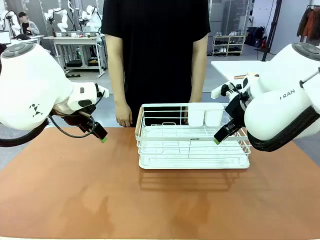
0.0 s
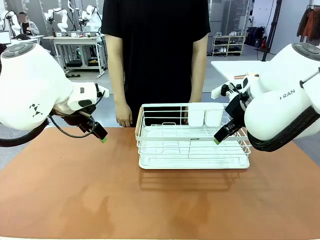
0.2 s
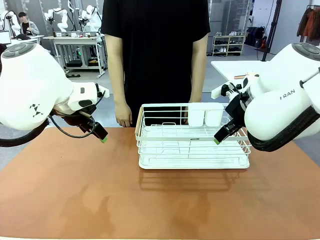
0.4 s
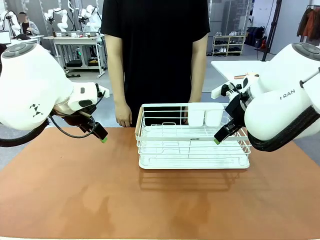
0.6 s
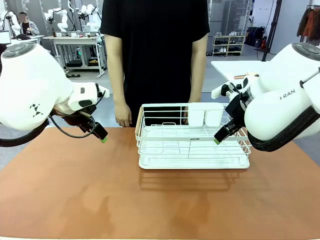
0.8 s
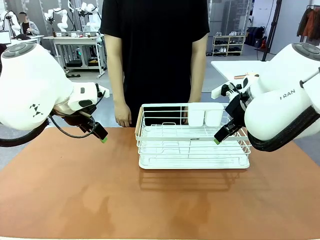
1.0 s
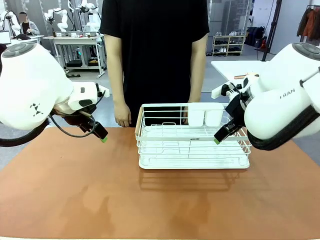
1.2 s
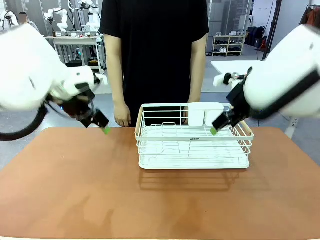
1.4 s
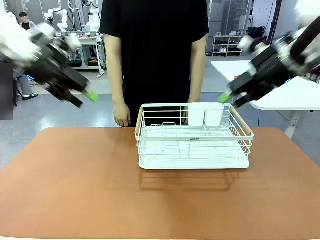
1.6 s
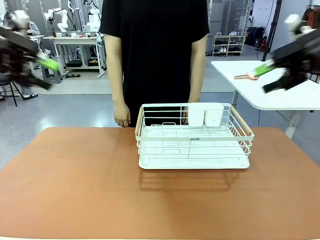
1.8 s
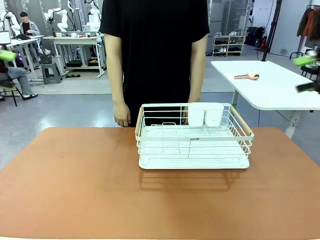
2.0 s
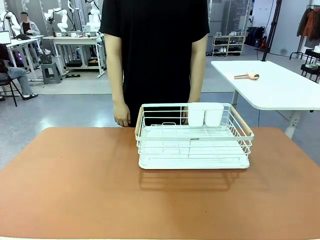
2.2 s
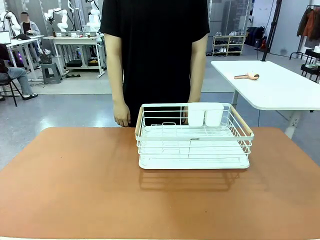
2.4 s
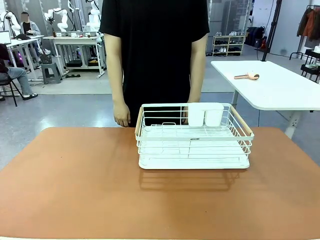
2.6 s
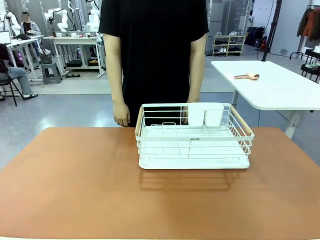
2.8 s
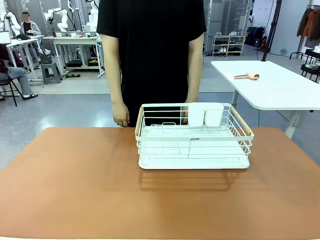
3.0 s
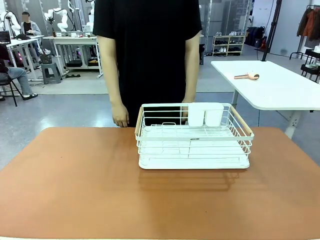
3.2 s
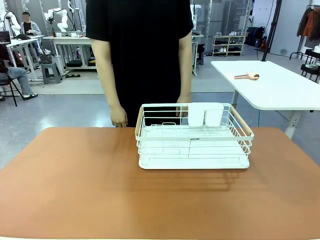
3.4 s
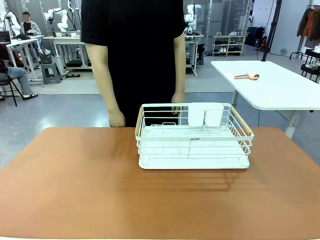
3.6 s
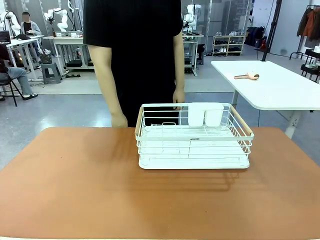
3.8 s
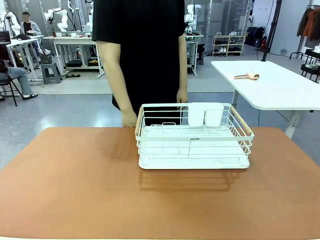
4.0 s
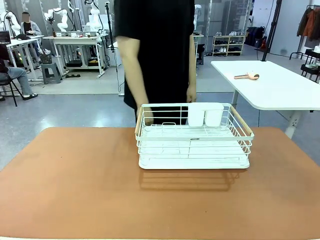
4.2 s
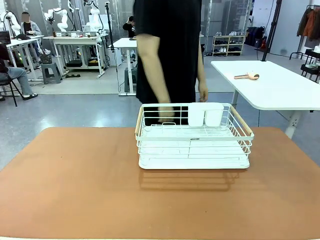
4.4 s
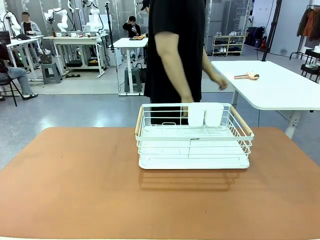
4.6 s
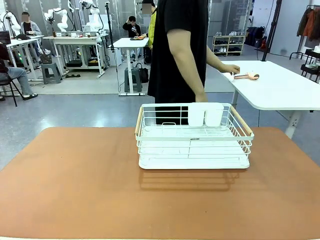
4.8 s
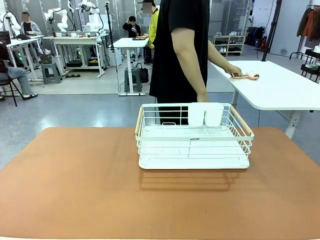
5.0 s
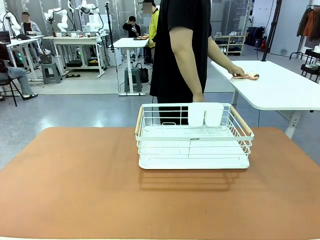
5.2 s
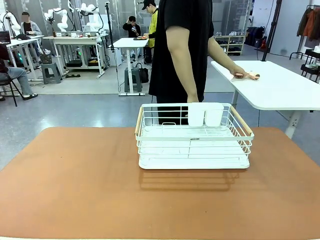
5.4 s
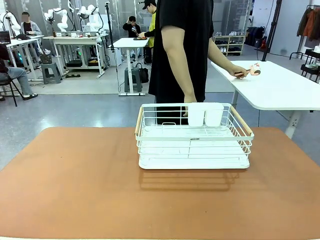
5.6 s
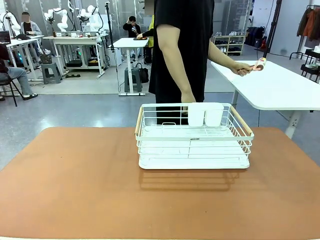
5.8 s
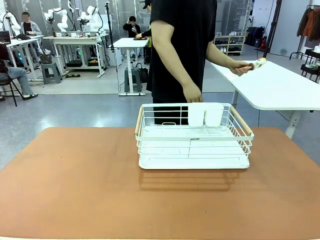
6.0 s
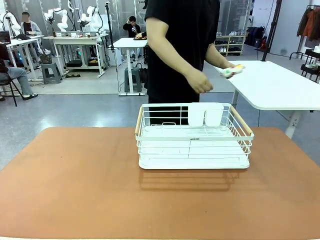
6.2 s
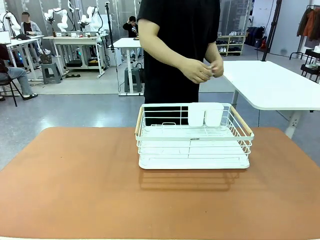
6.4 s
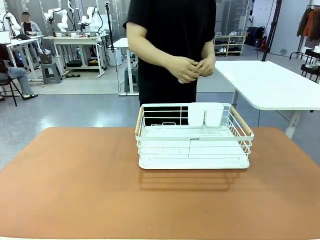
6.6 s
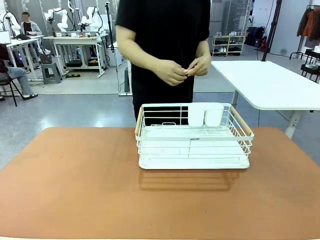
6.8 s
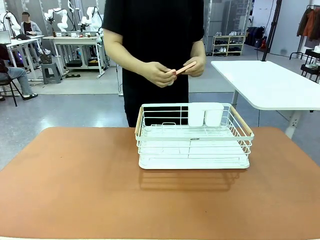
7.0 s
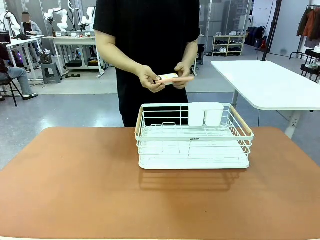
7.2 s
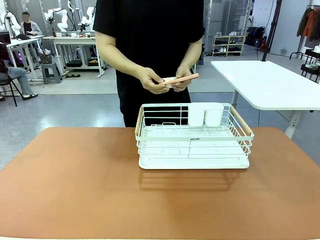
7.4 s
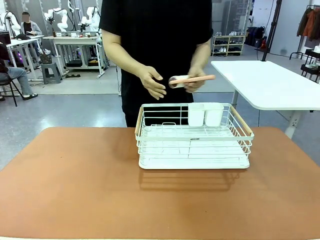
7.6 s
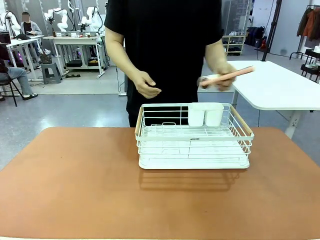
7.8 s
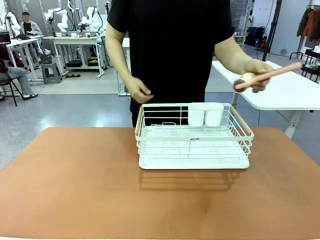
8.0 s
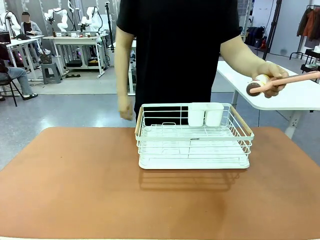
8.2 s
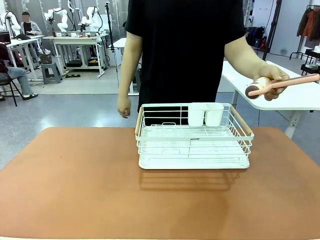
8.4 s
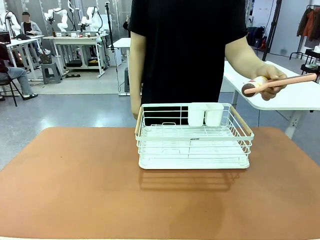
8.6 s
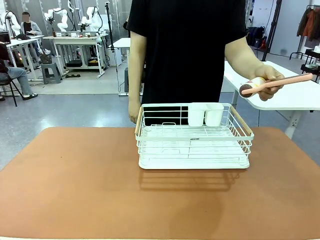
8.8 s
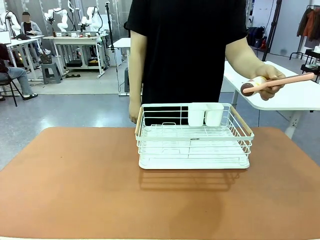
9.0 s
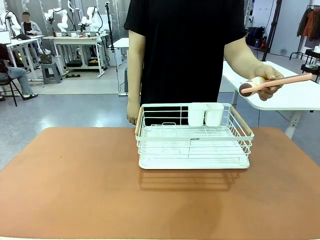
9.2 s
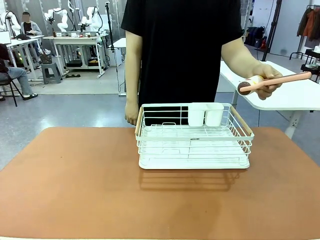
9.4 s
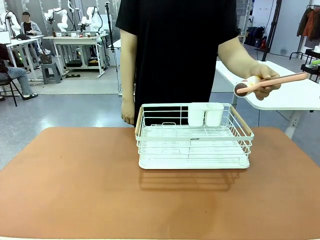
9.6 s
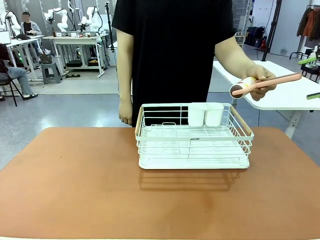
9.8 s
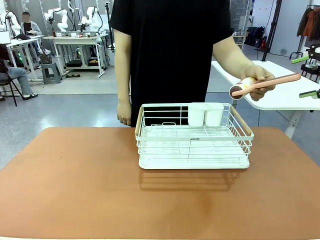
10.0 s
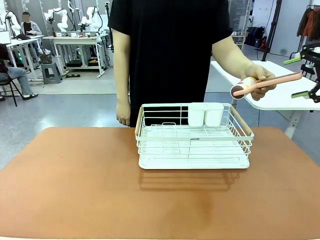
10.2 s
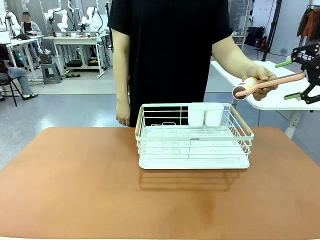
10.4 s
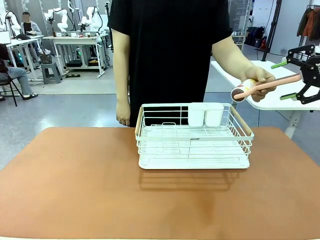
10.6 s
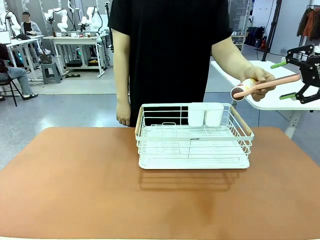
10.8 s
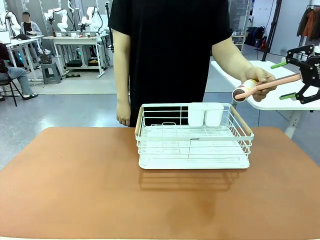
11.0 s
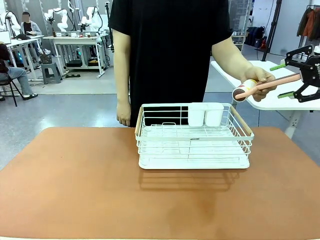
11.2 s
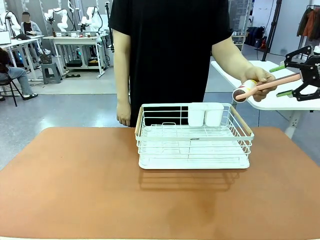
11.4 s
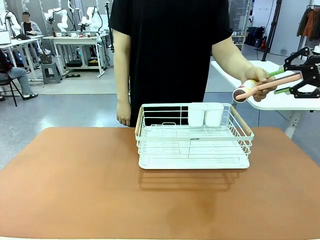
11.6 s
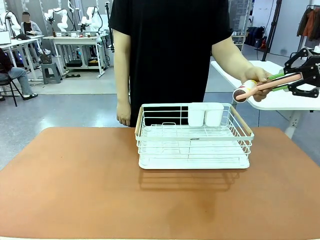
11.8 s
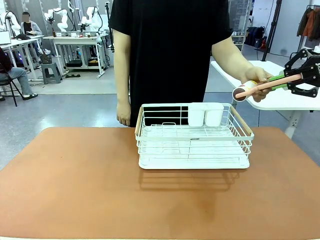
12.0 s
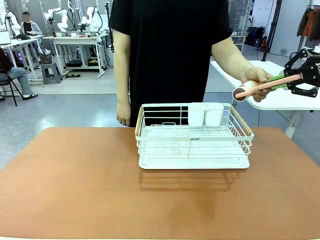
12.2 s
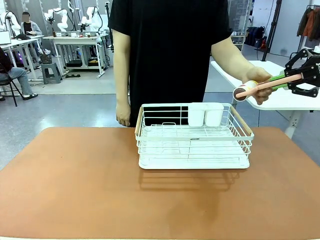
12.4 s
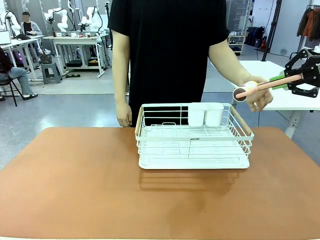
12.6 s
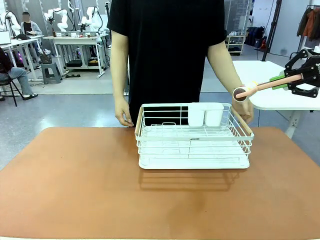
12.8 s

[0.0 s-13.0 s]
Task: Clean the table.
Robot: Pick up the Lint Roller when the human hands it over.
Person: Hand the Lint Roller to the robot so it can easily pick it up. Lift the Dish drying rack.

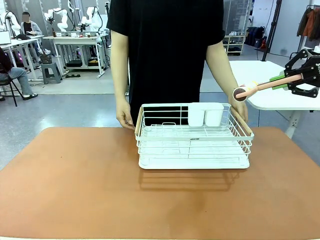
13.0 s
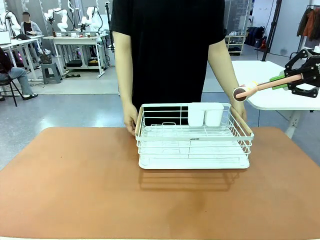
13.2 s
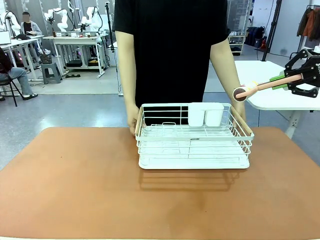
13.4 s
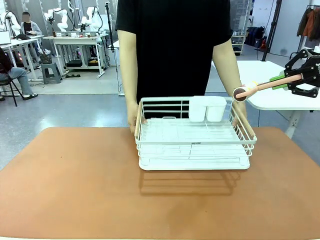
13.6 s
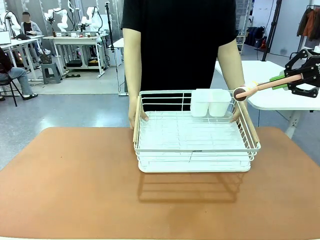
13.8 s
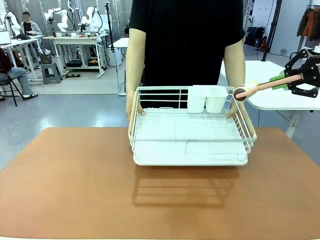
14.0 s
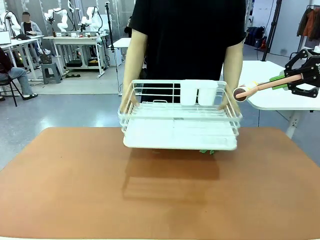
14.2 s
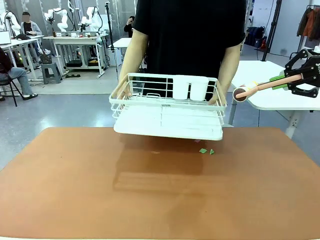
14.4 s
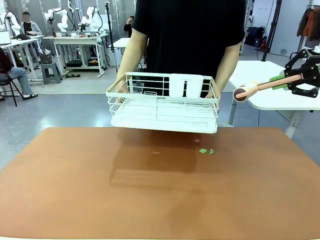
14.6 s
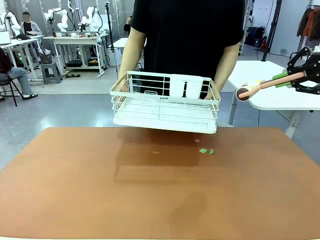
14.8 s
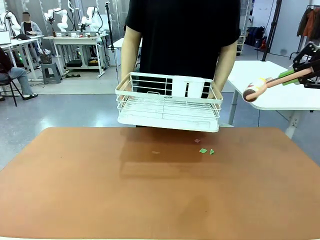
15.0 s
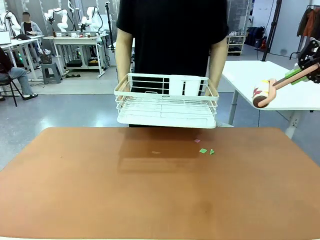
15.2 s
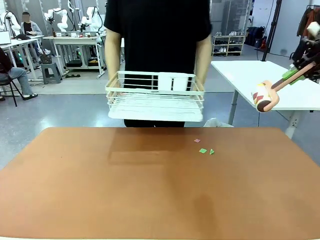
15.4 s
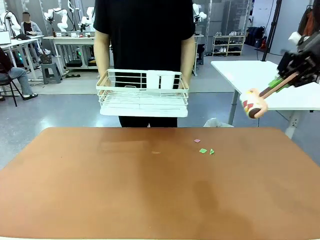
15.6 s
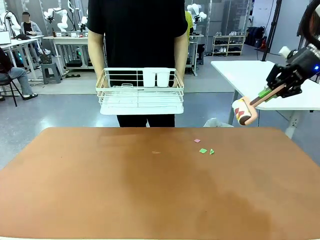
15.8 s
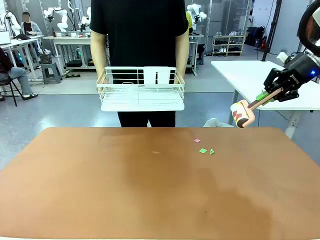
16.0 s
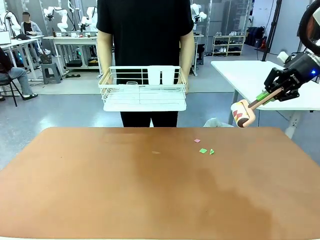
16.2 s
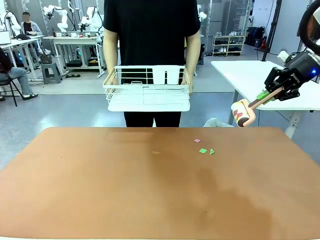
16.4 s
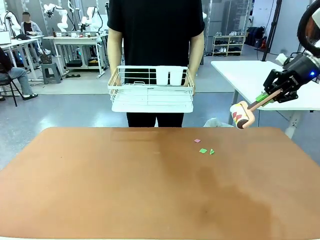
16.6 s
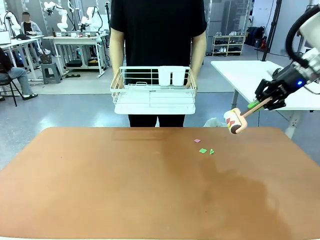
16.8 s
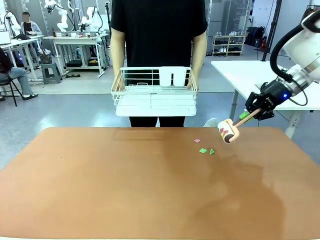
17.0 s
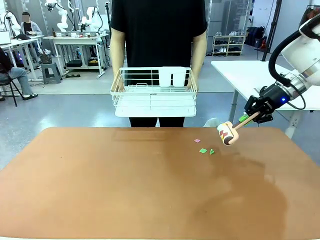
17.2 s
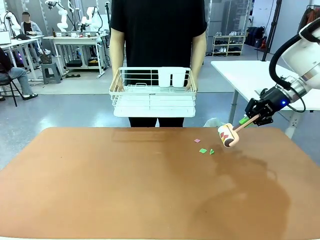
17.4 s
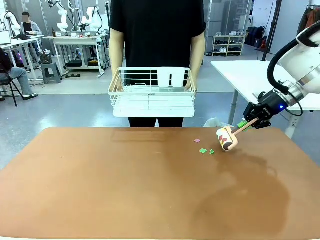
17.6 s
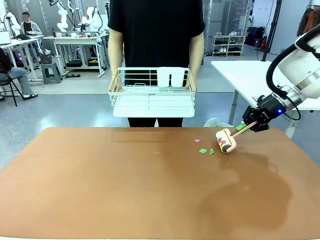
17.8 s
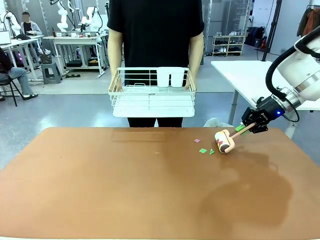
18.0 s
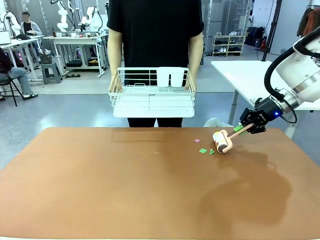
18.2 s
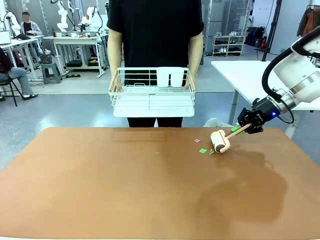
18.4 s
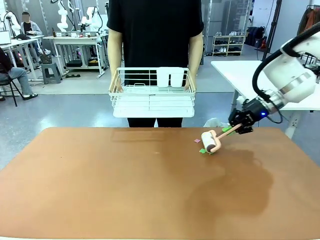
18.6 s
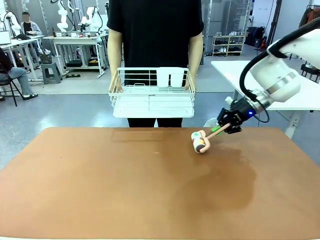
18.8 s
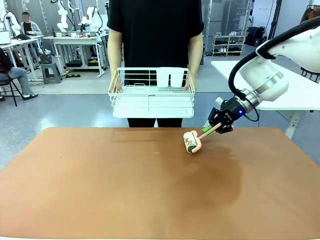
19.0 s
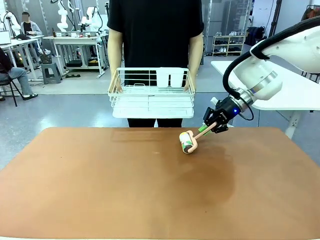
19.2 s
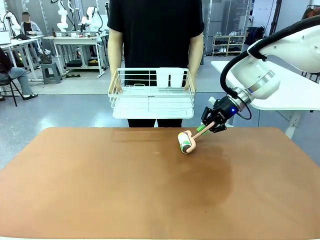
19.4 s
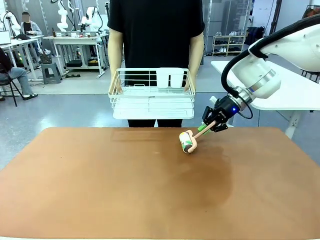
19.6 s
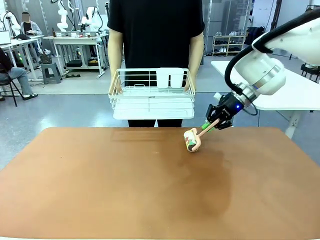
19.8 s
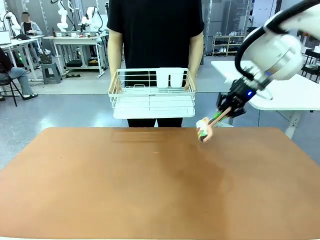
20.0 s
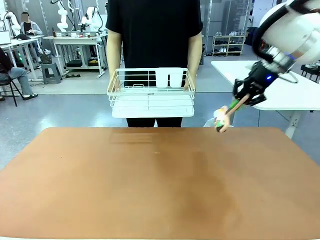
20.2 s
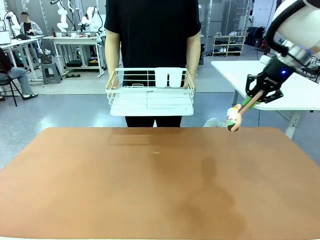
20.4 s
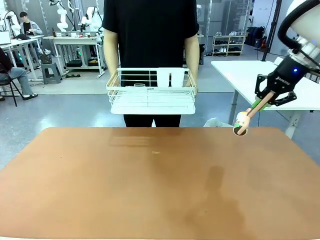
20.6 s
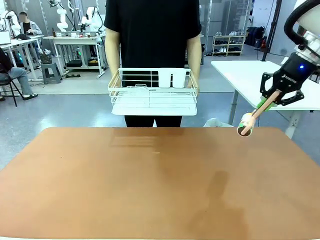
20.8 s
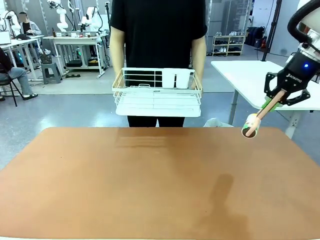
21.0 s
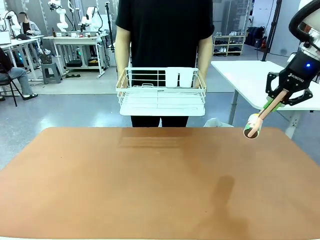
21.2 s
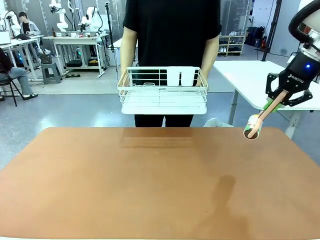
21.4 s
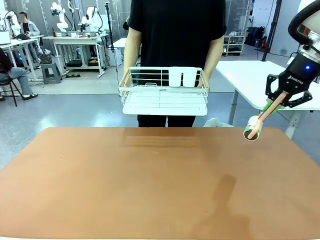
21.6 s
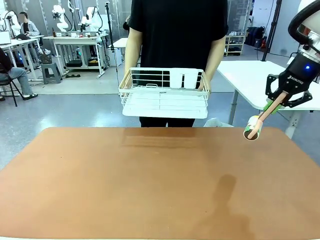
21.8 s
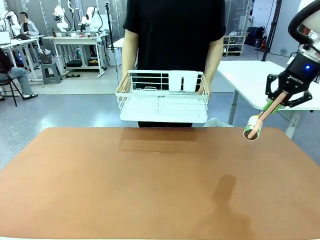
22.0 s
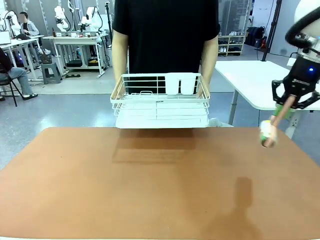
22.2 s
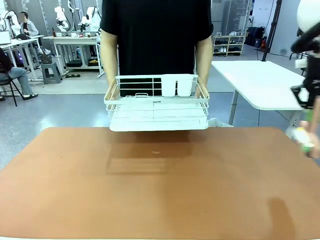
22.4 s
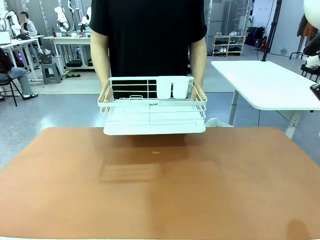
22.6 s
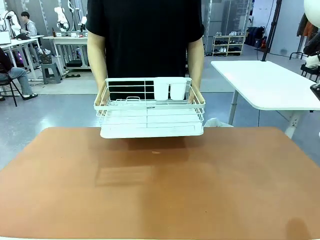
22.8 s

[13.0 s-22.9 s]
Robot: Clean the table with the Lint Roller when the human lifts the Dish drying rack.
